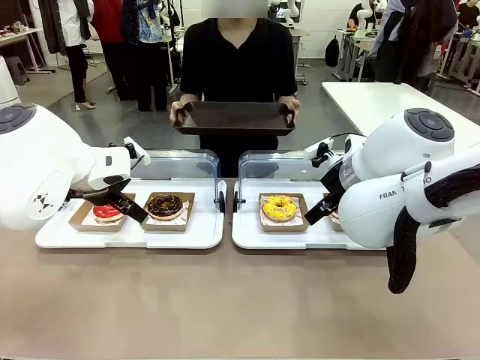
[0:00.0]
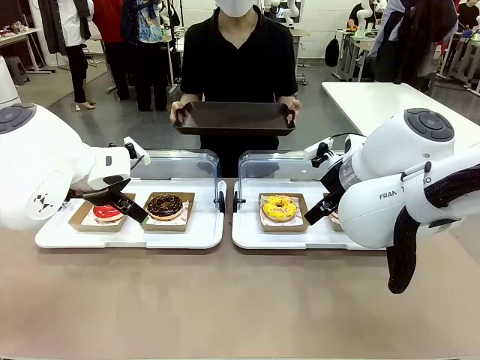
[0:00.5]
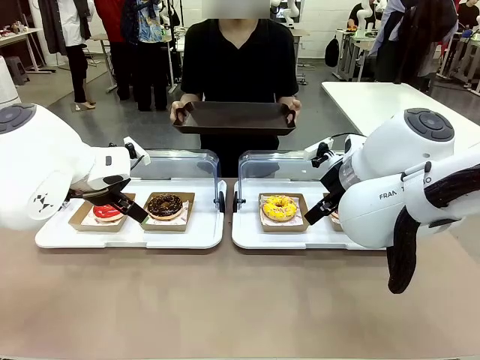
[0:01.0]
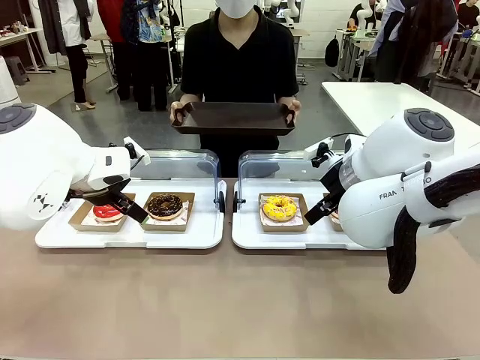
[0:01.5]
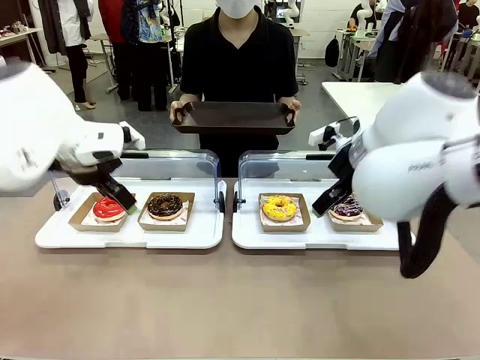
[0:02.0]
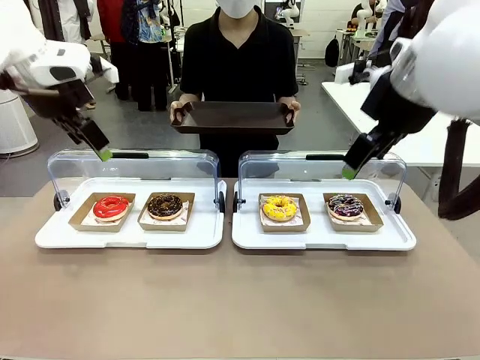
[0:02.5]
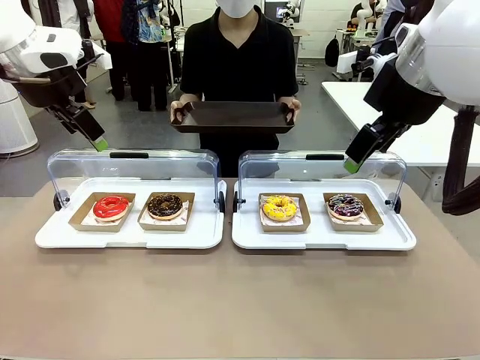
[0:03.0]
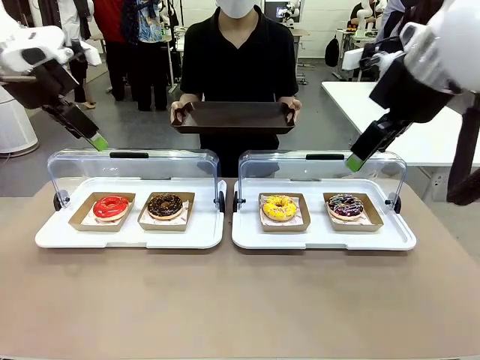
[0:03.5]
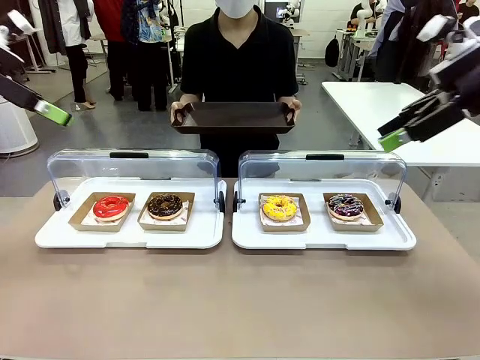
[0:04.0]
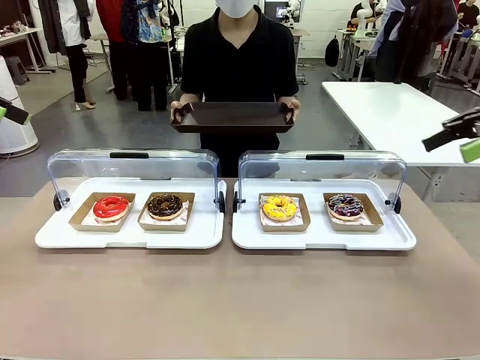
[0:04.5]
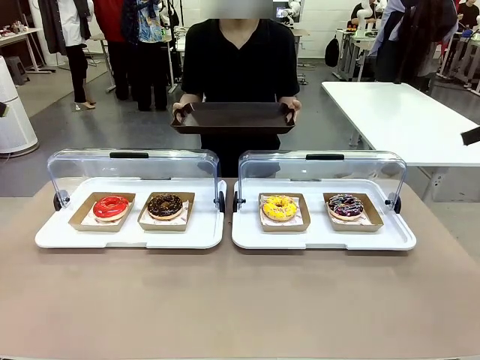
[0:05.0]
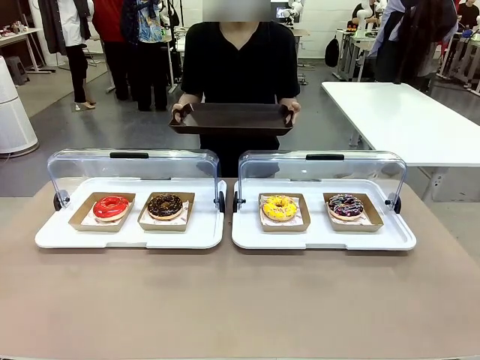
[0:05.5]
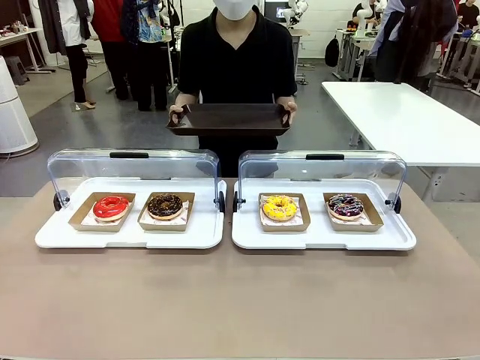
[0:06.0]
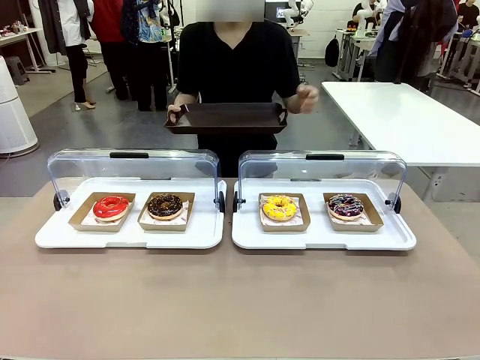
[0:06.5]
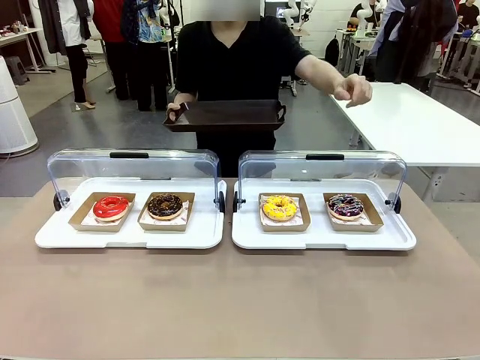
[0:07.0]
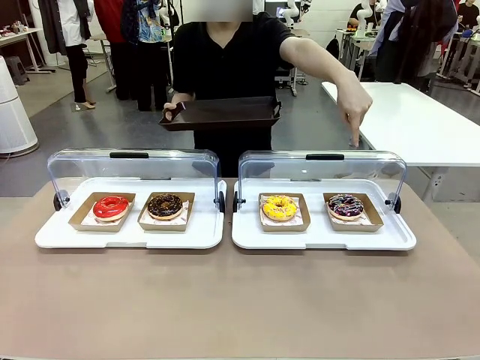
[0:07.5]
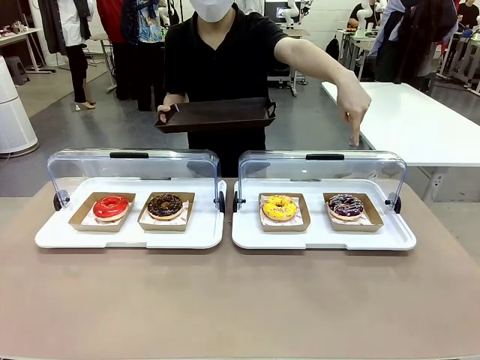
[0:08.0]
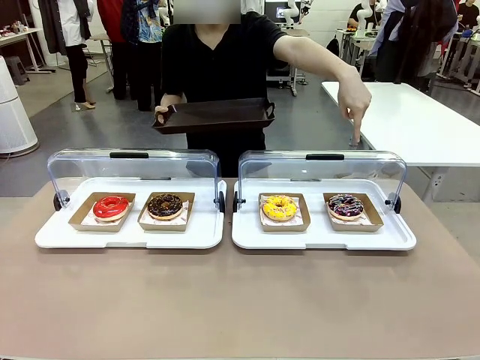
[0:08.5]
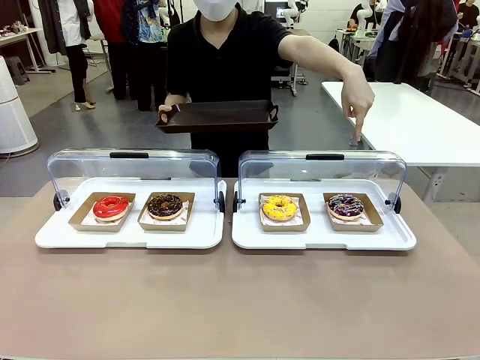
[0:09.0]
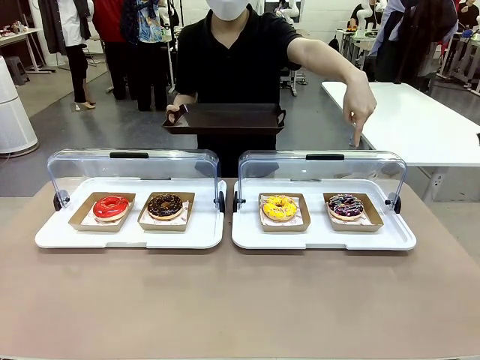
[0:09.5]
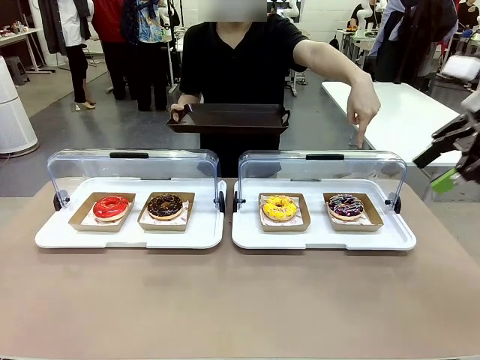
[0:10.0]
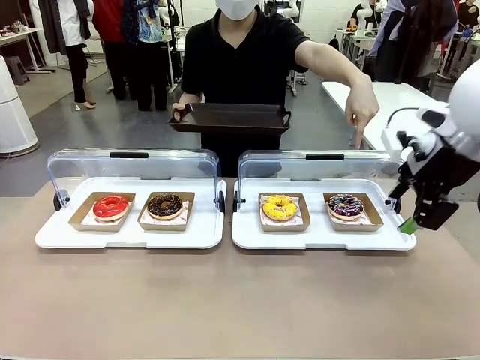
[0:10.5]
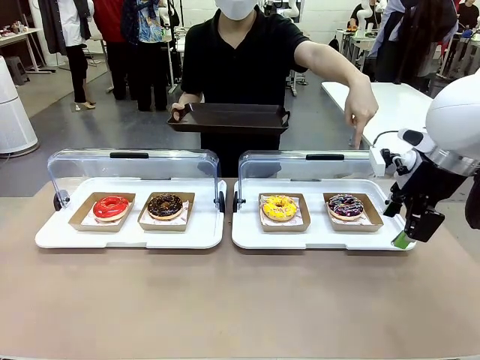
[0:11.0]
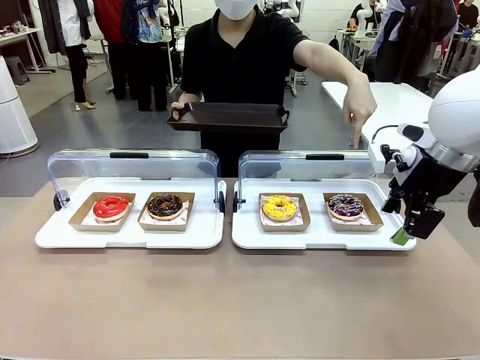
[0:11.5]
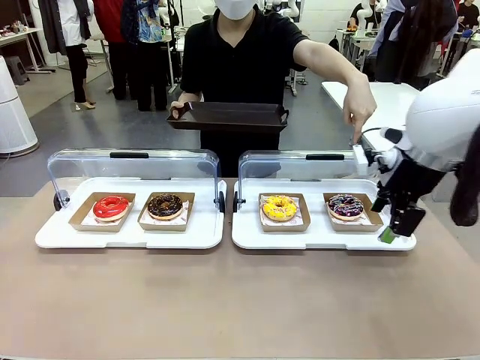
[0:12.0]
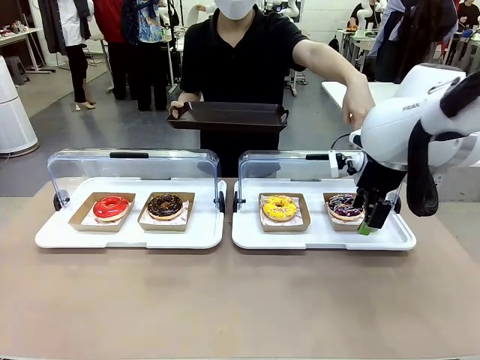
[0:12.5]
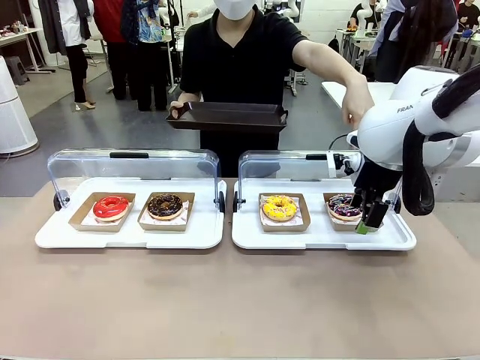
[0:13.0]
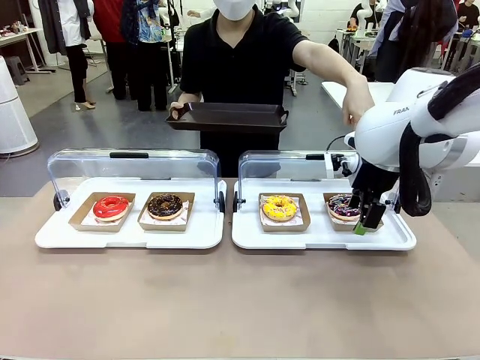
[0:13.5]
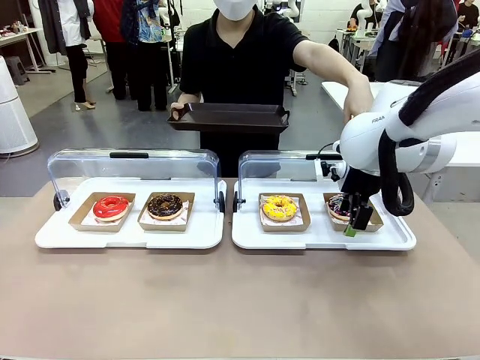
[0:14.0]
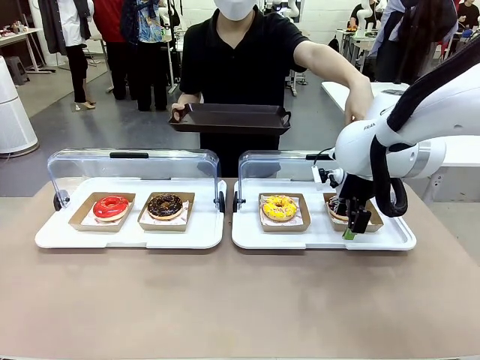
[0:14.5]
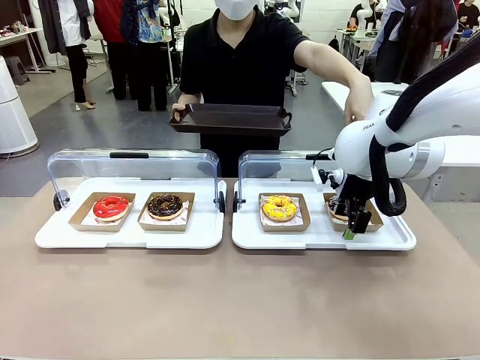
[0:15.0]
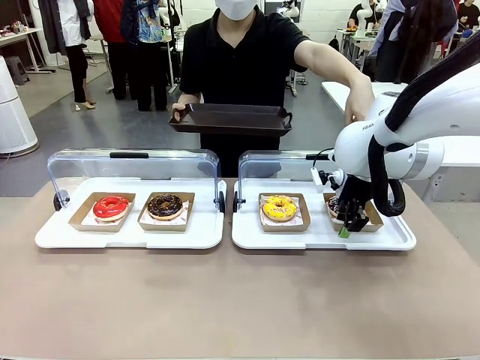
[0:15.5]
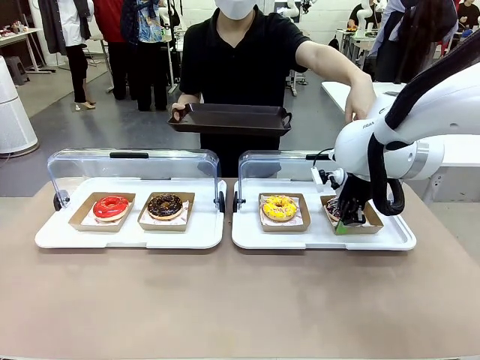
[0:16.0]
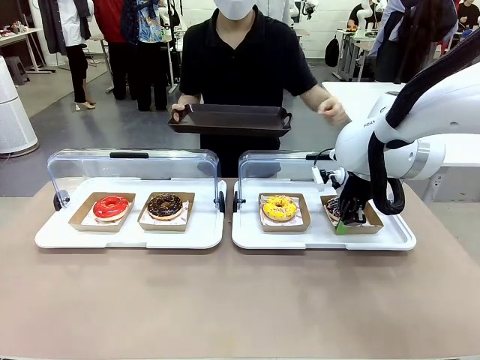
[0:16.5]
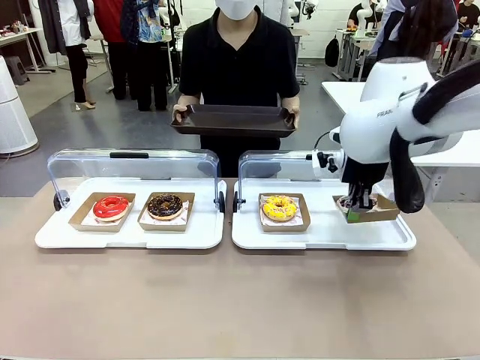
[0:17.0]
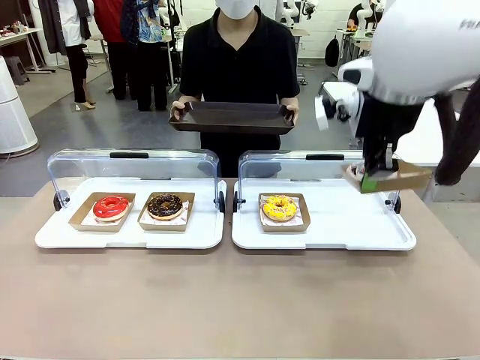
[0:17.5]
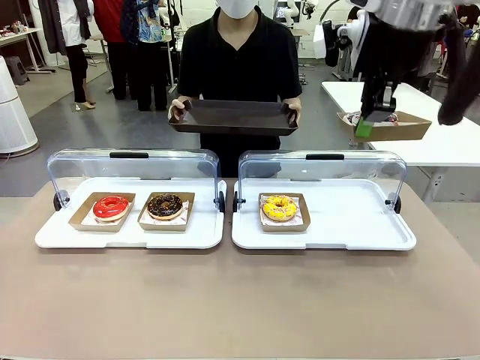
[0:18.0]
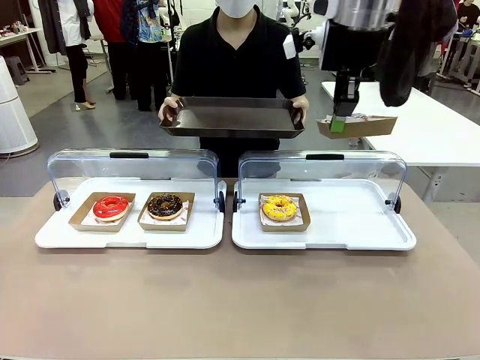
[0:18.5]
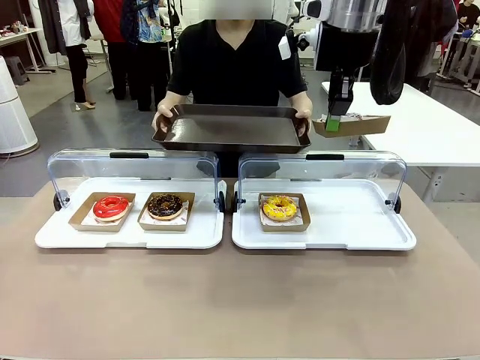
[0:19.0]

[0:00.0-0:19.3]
Task: Provide the desired donut to the person.
Robot: Pick up and lift the Paper togo box containing the Donut pointed at by the person.
Person: Point to one donut. Lift the tray onto the Roll-Top Bakery Case.

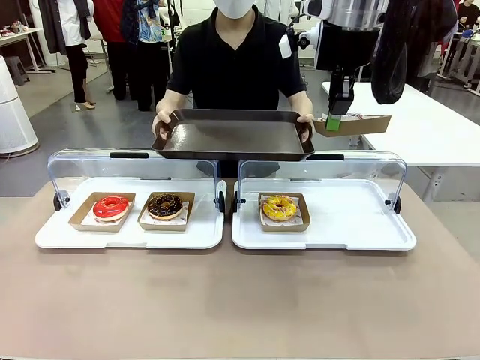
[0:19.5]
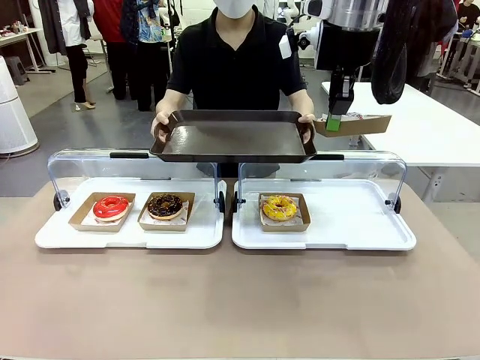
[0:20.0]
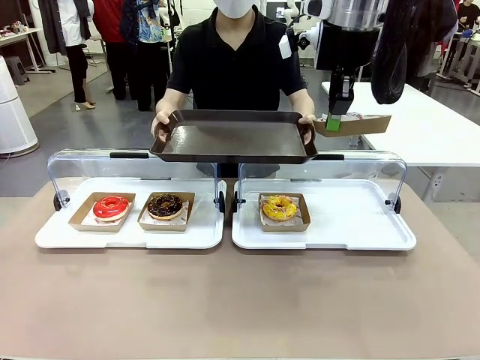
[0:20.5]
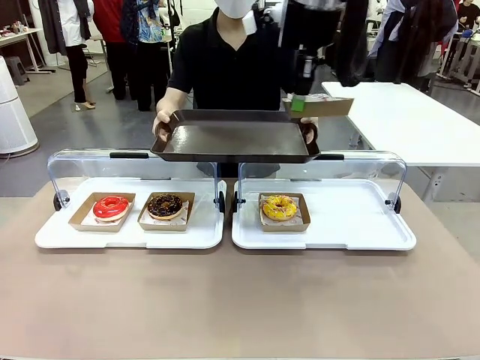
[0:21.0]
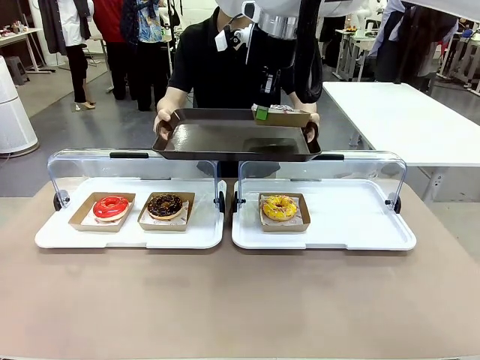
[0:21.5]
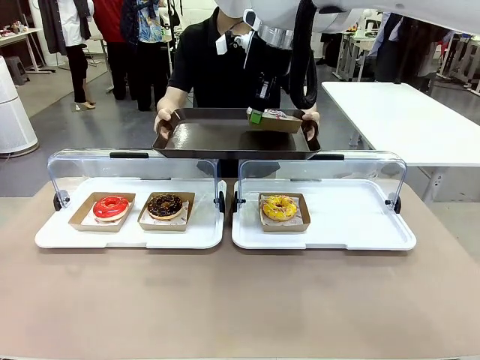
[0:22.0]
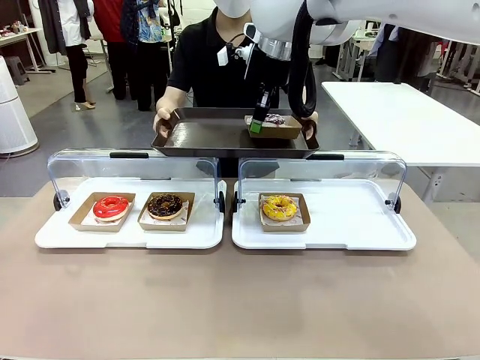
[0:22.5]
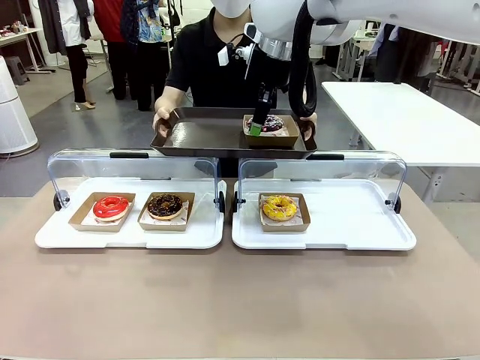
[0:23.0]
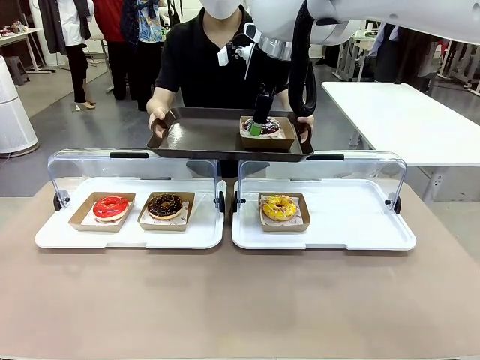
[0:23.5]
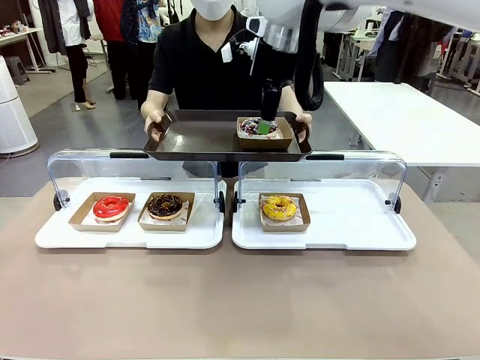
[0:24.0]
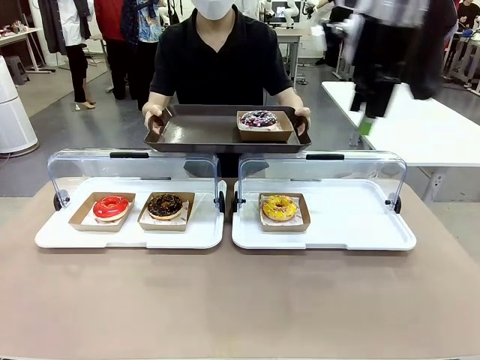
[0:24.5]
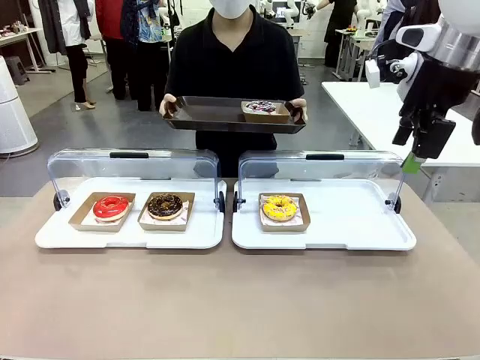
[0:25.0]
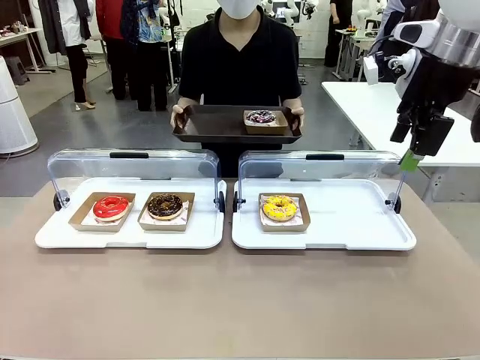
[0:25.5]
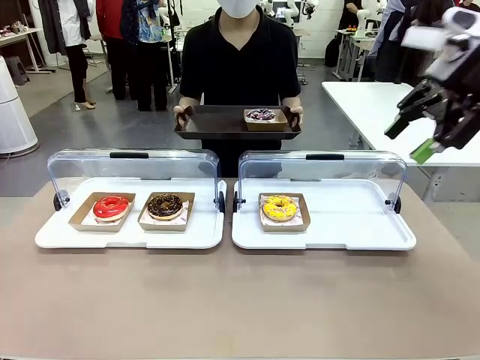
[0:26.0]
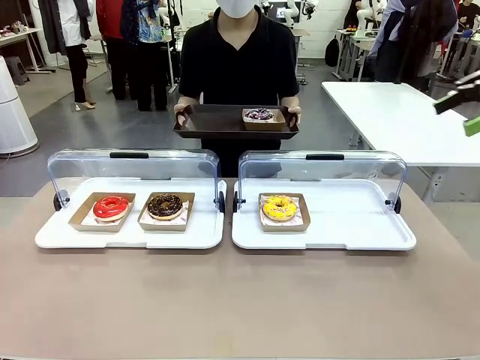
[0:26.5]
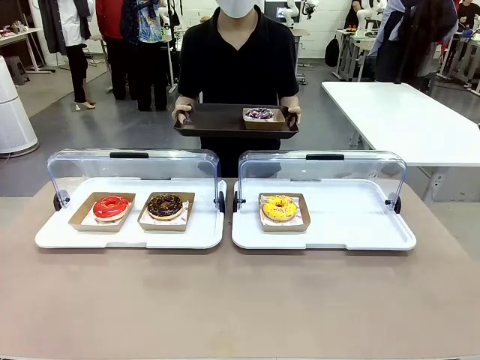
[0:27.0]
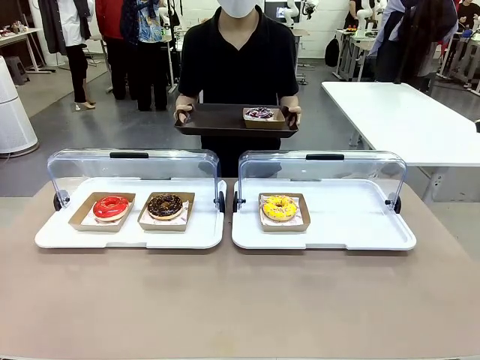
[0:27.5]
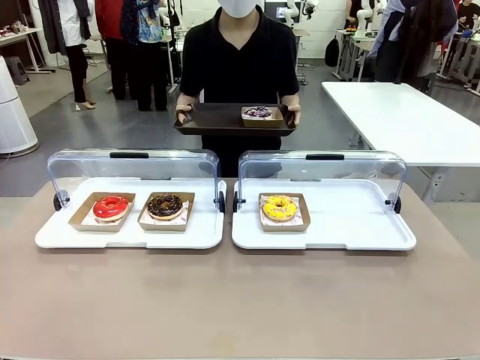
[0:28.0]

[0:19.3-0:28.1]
Robot: Place the picked Paper togo box onto the Handle tray extended by the person.
Person: Point to one donut.
